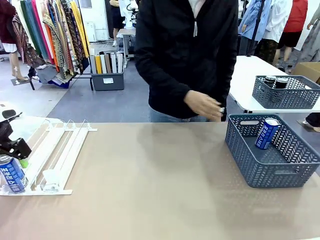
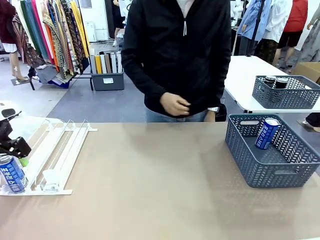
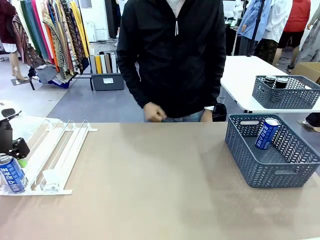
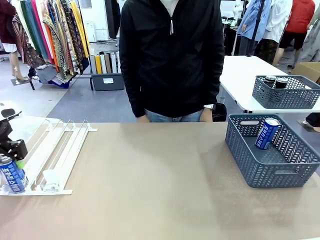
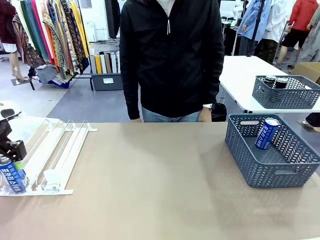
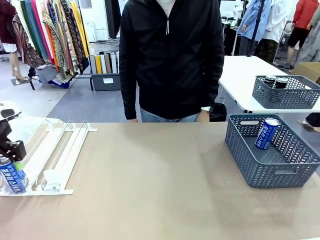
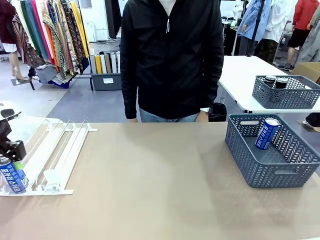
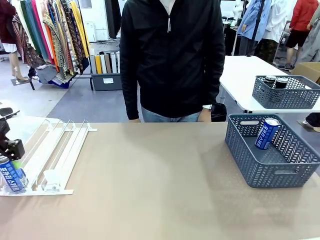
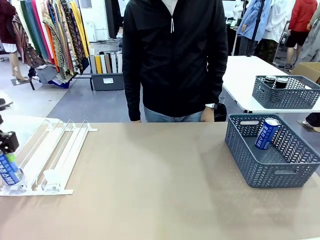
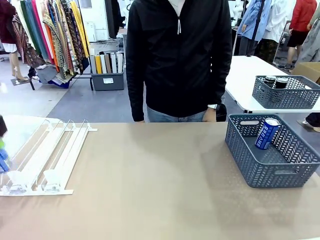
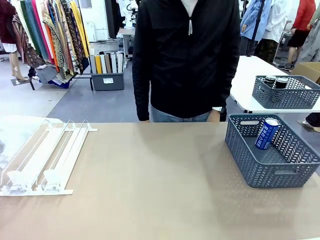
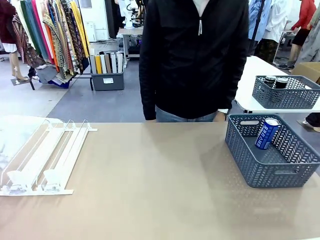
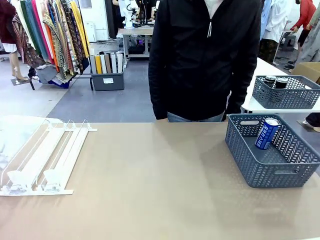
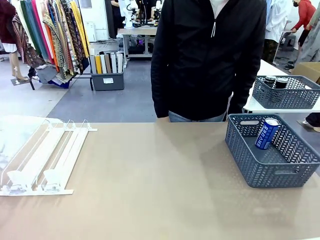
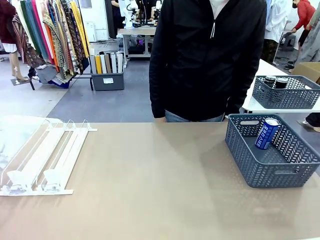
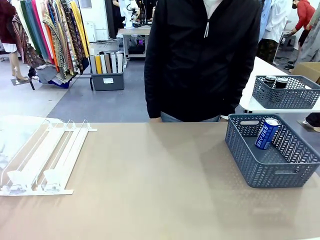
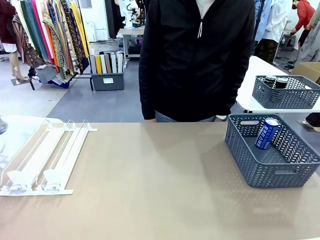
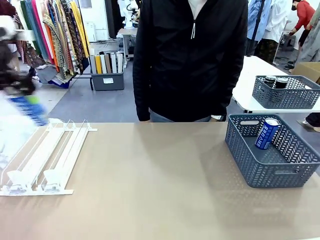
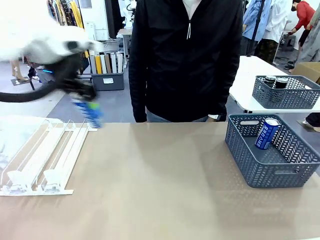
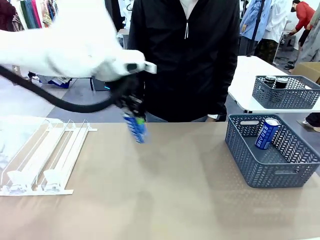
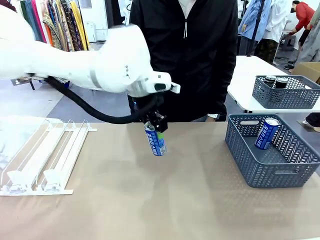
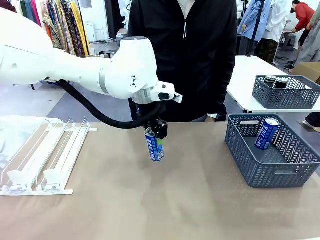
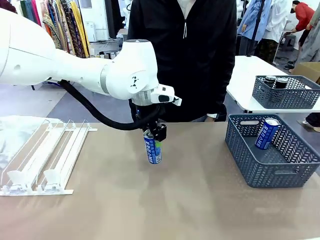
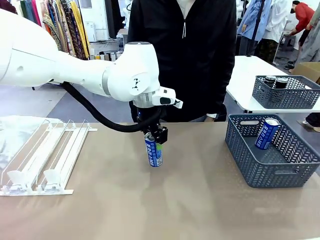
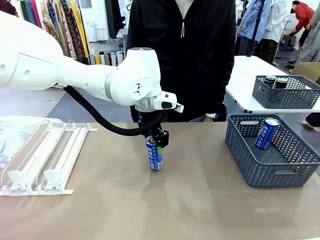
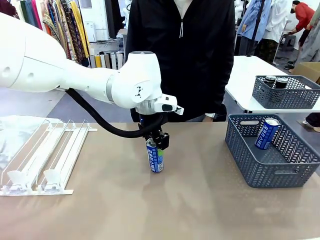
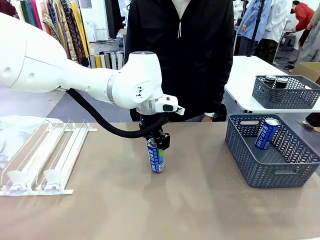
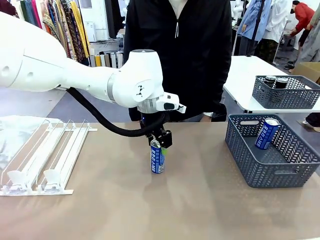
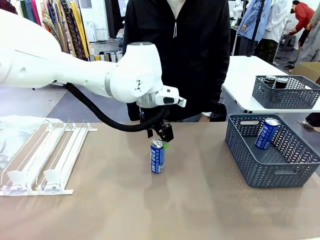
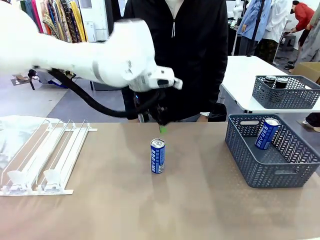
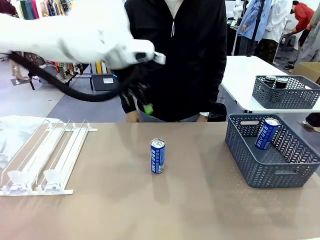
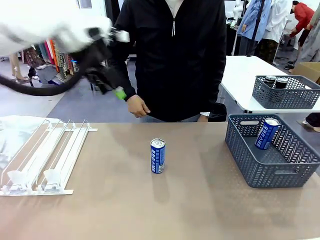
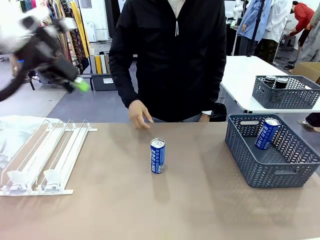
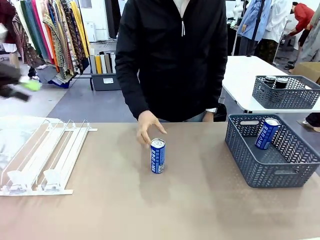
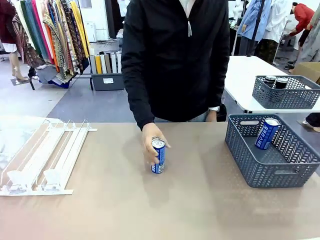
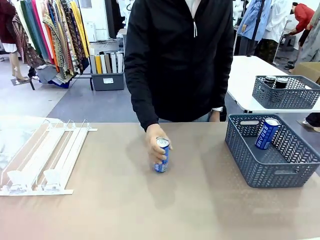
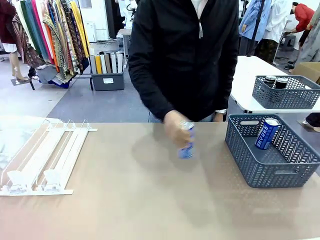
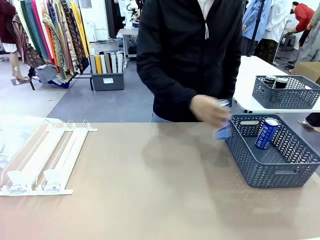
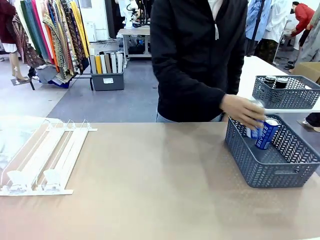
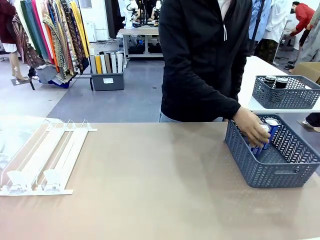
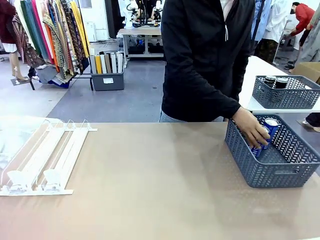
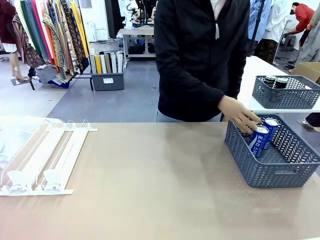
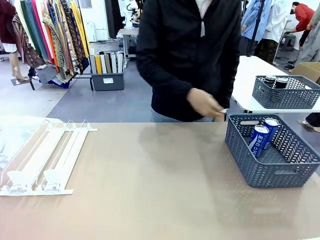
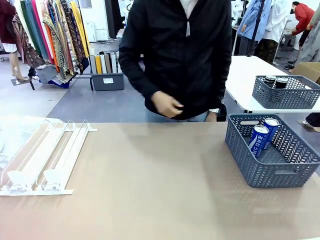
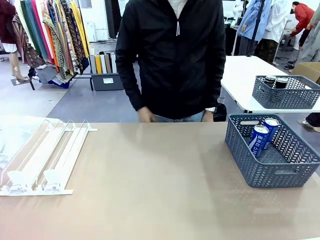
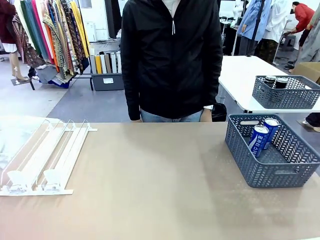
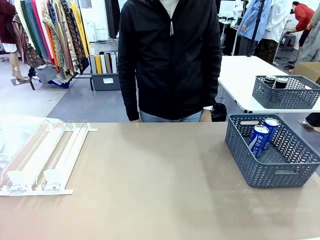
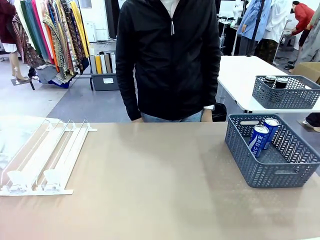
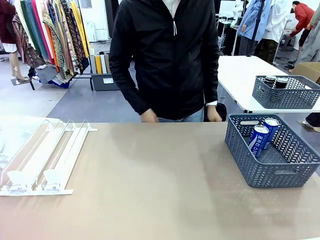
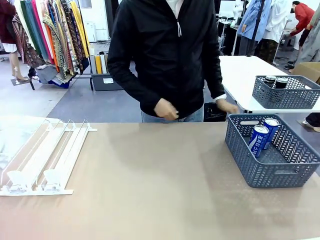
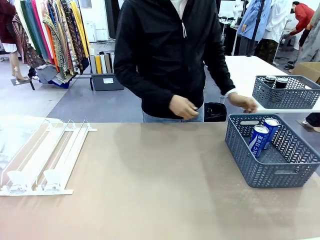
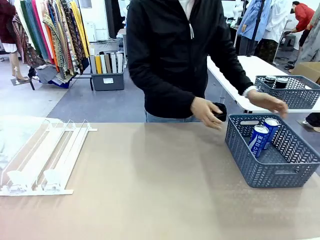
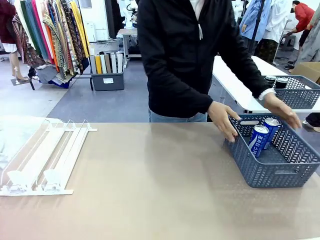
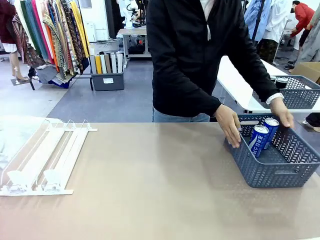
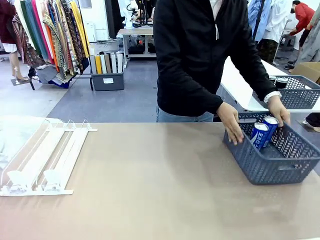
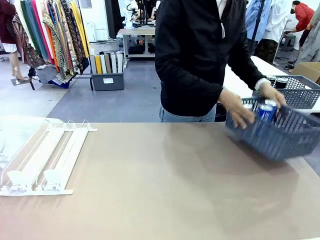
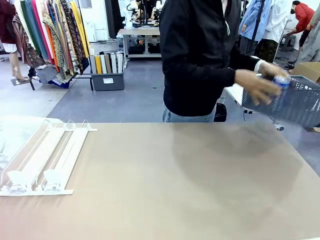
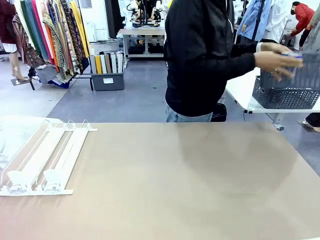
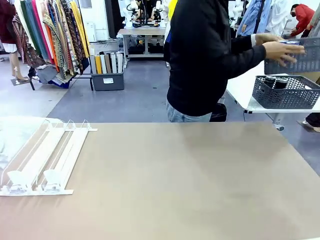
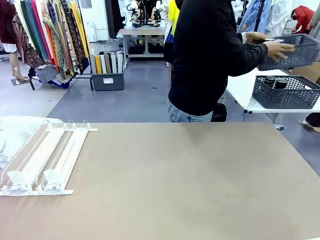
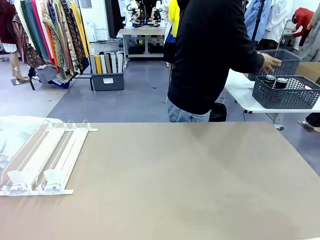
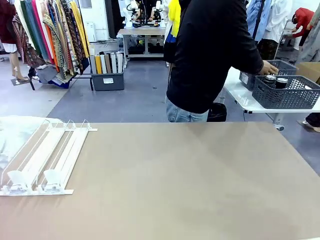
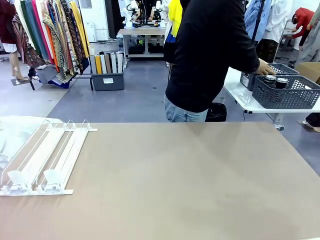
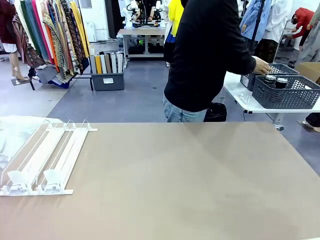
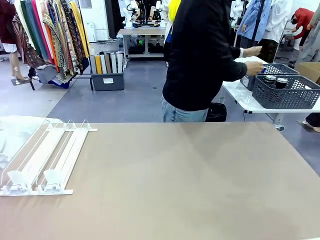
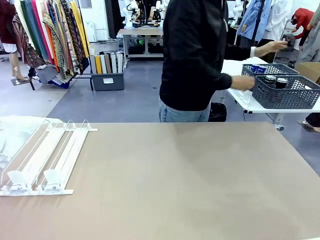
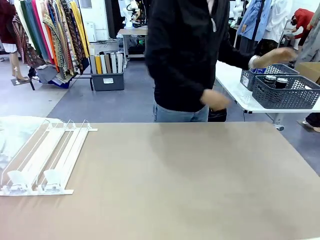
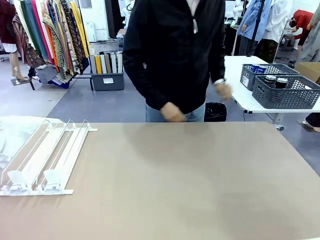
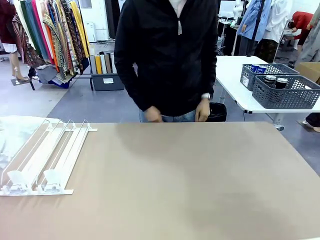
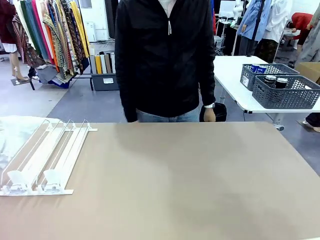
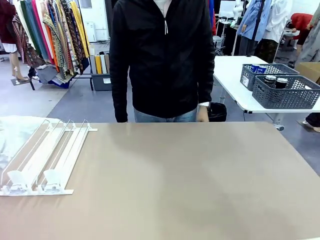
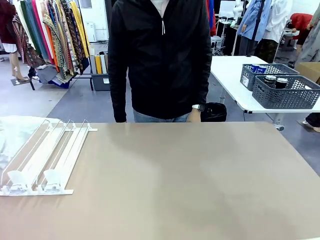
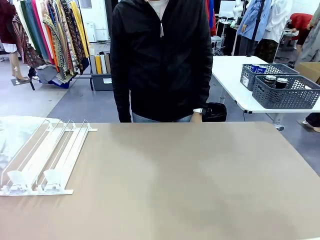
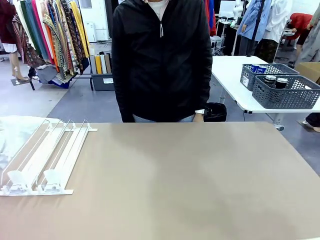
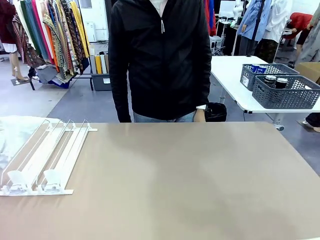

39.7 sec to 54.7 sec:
Task: Retrieve and store the cans from the dispenser.
Robot: Pick up one can from the Automatic Can Dispenser and place it in the middle of the table.
Person: Pick up one sports drink can from the middle of the robot table and place it in the basket. Pick up the basket and place it in the middle of the human table.
